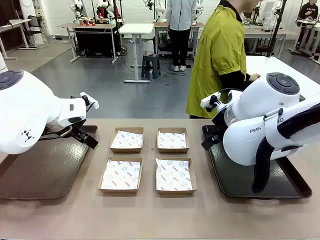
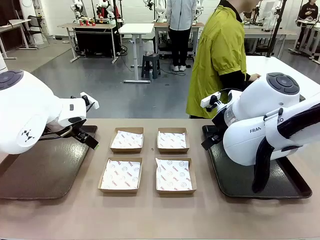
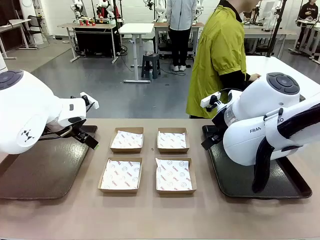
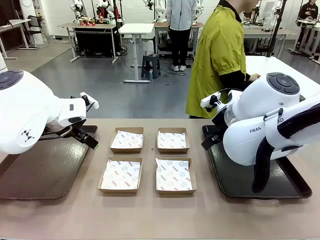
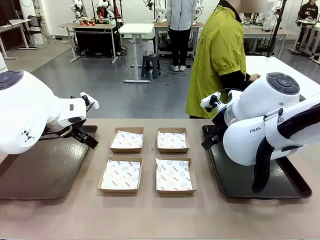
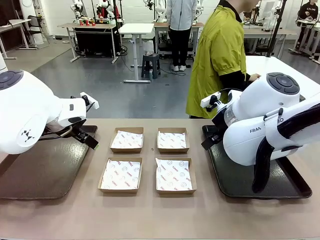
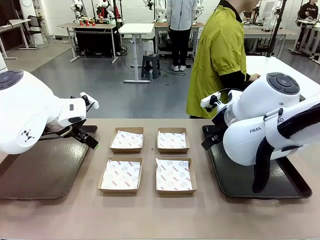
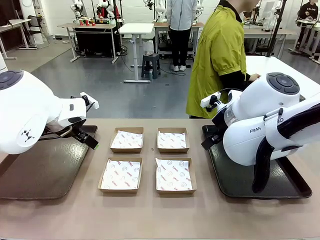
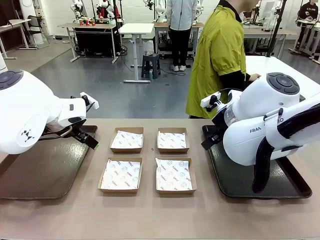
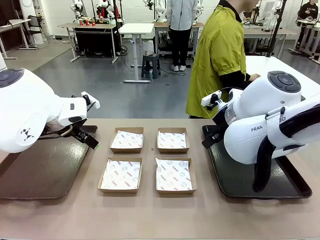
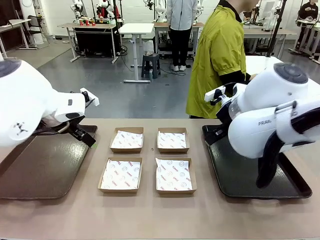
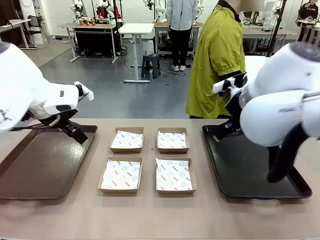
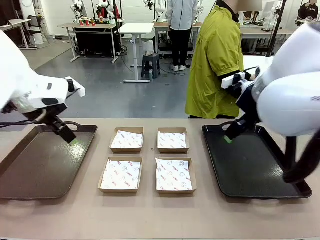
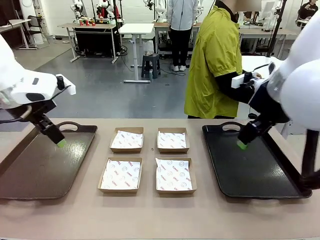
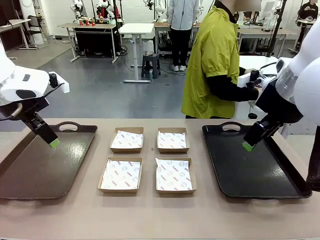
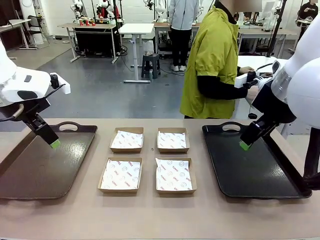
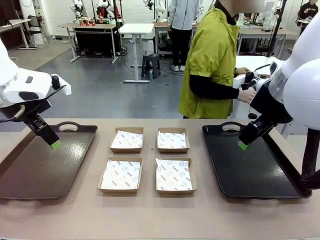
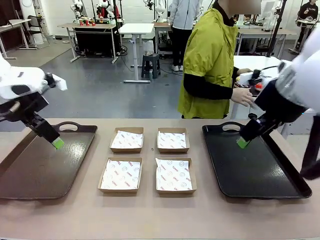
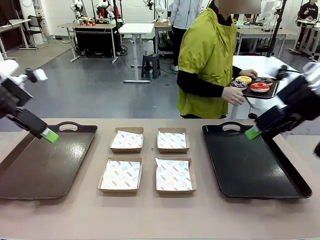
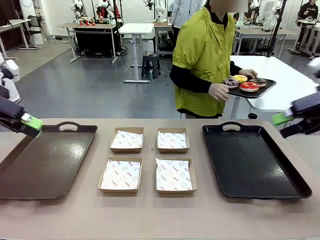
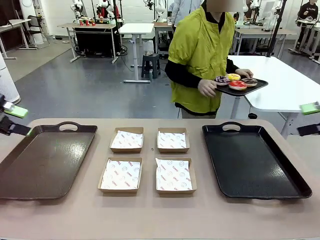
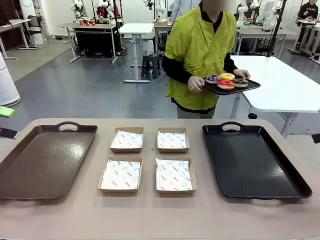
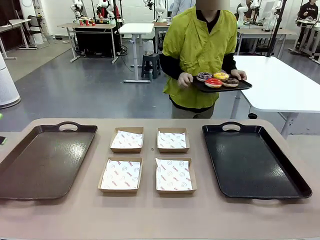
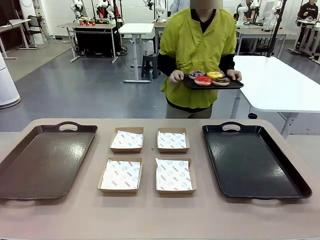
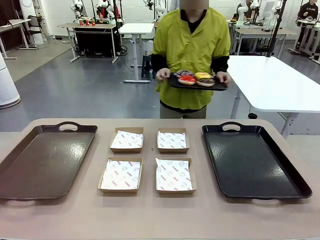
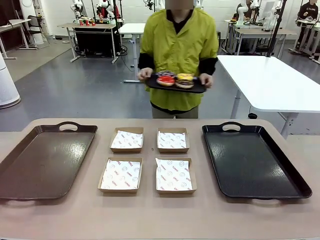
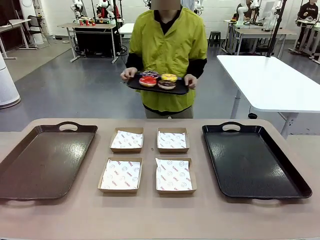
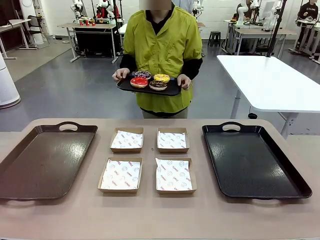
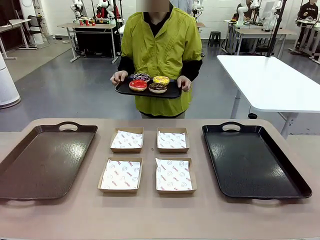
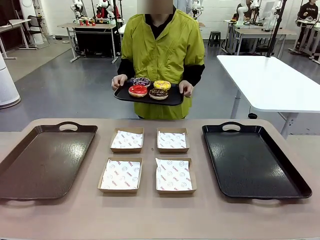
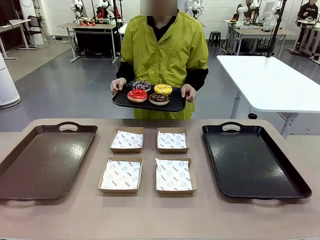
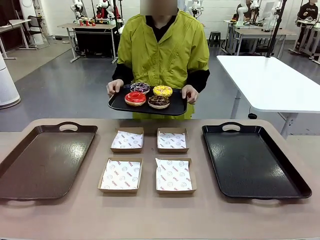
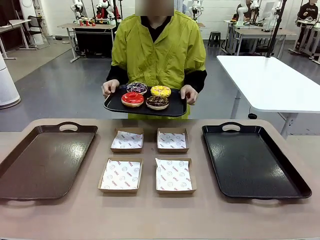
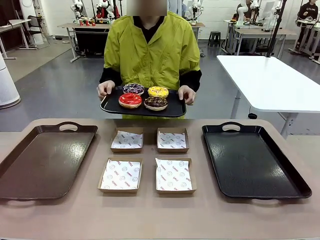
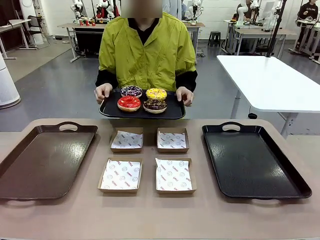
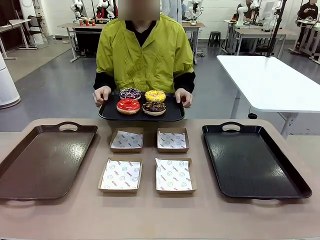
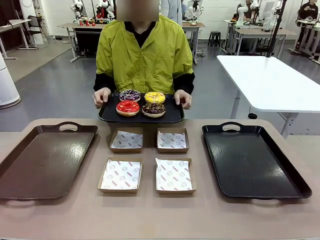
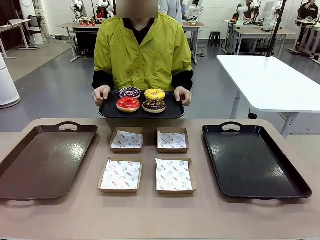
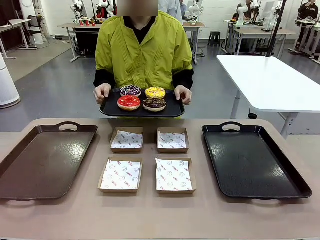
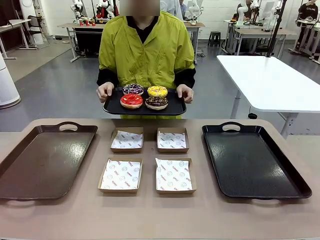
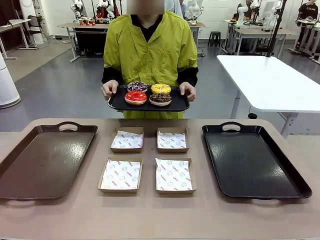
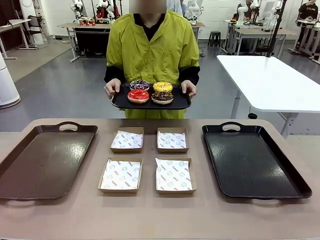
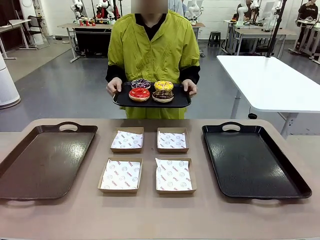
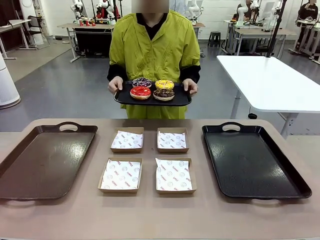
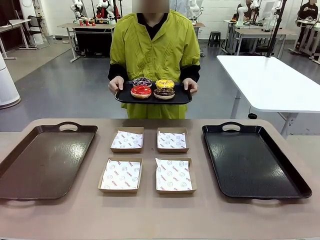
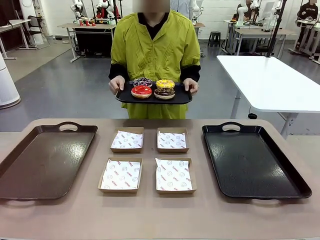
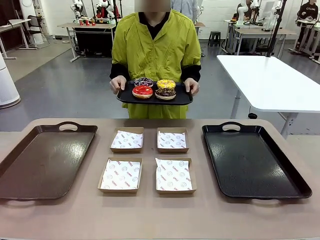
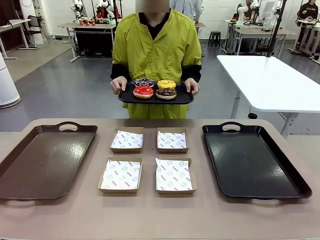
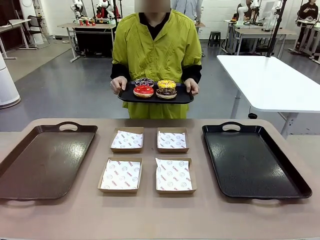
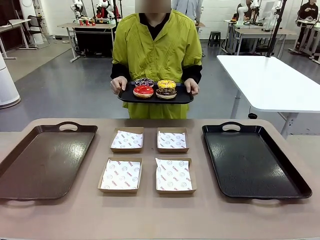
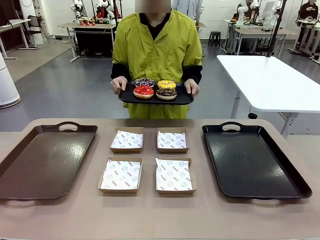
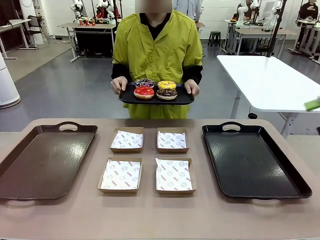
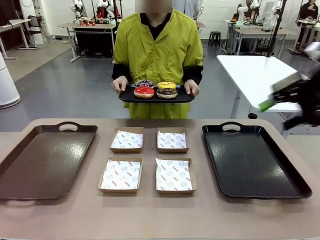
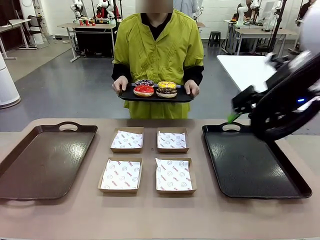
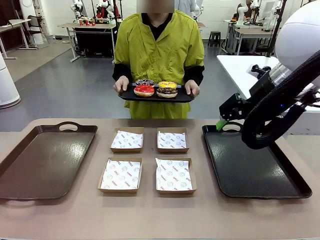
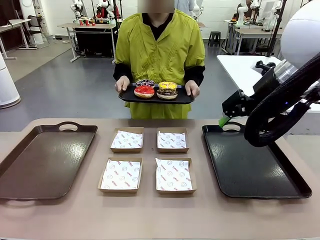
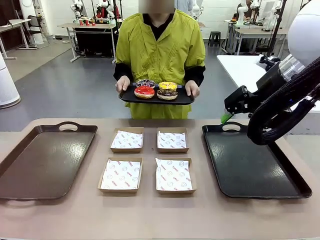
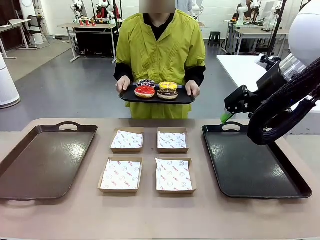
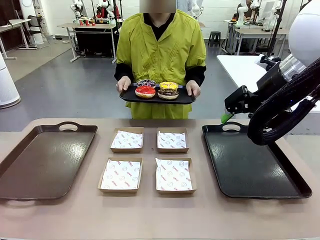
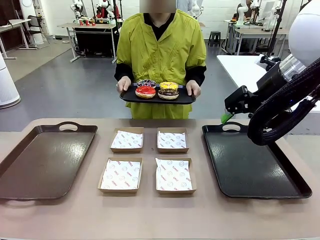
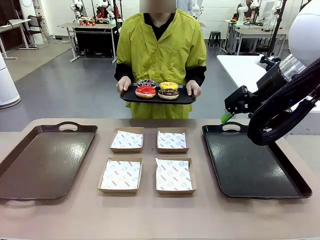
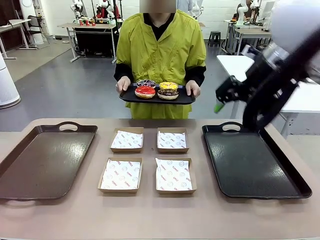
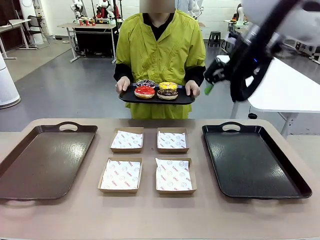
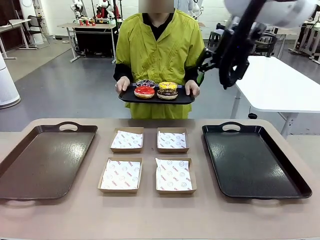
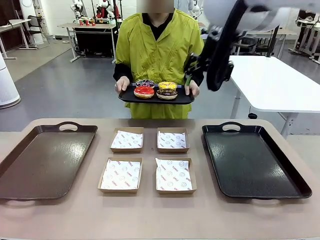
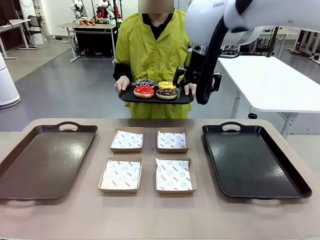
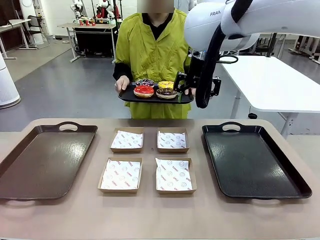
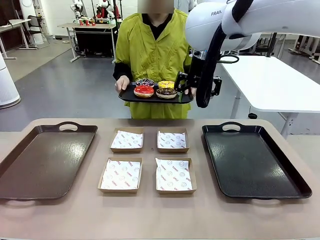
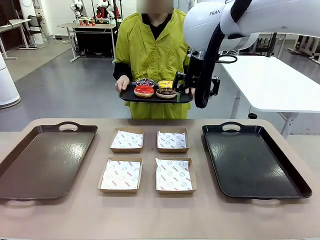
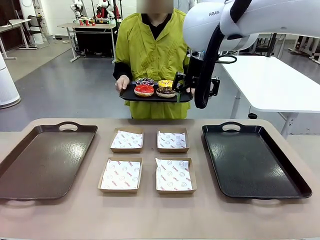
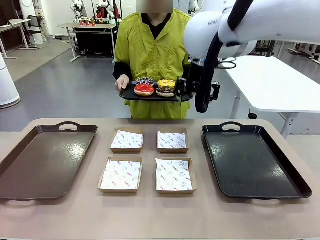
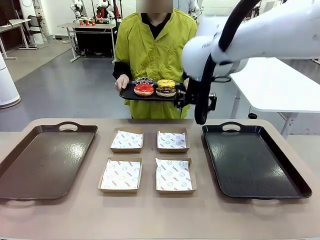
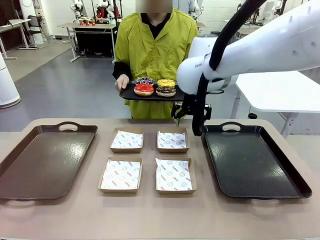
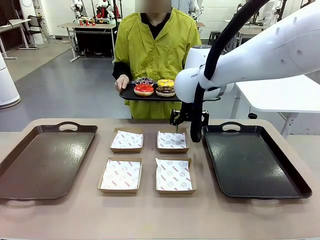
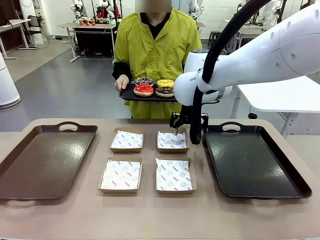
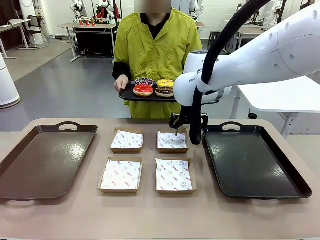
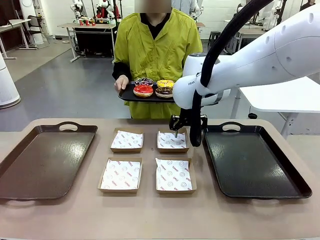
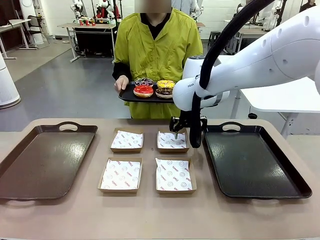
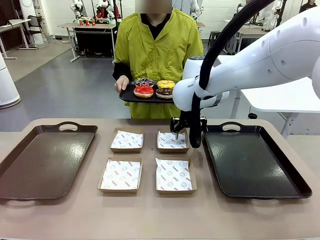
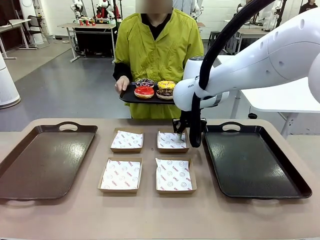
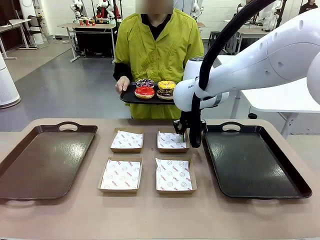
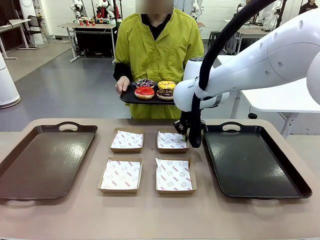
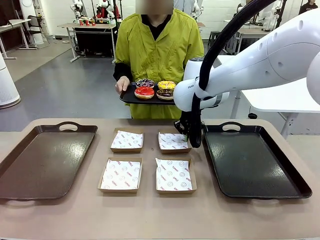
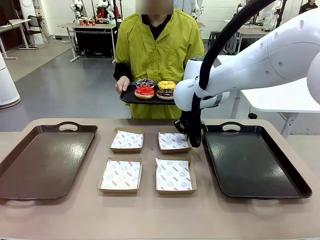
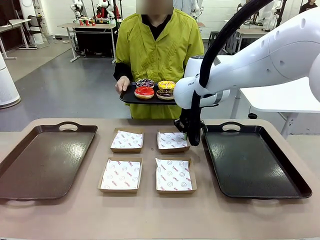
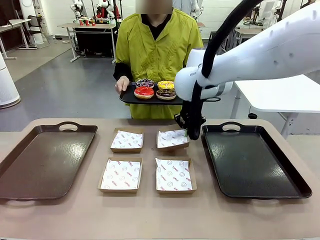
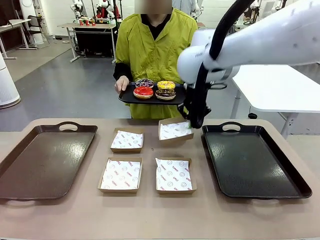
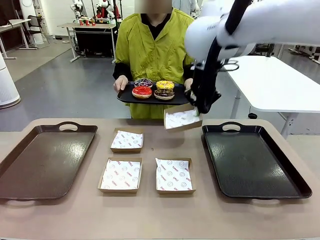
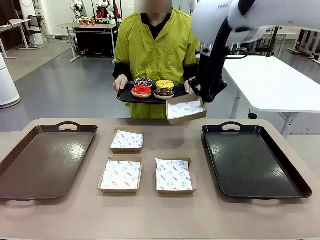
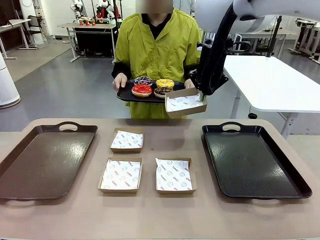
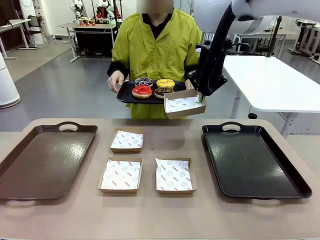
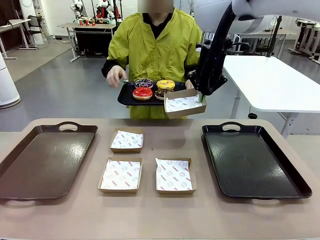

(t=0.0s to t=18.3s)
Task: Individually package the donuts and arrange them on the tray.
Robot: Pick up one Paper togo box.
Person: Stand in front of the robot table holding the tray containing the donuts.
